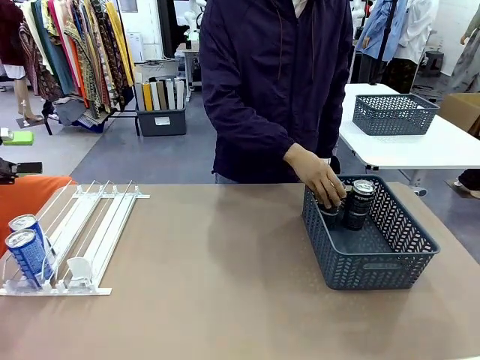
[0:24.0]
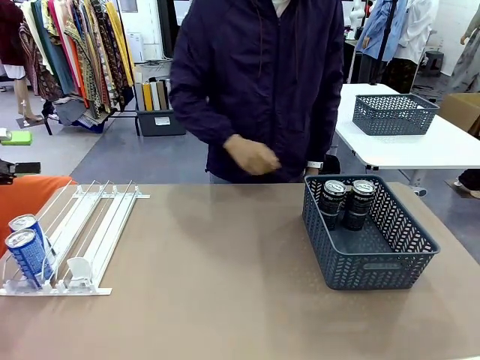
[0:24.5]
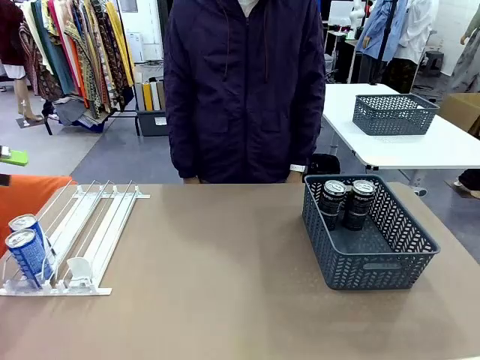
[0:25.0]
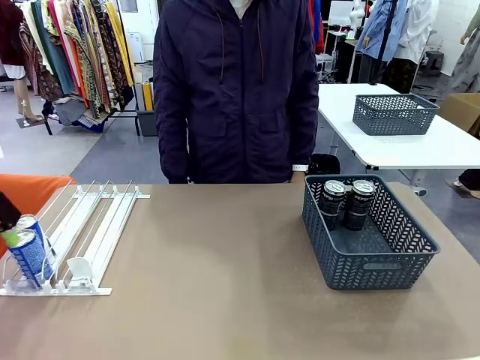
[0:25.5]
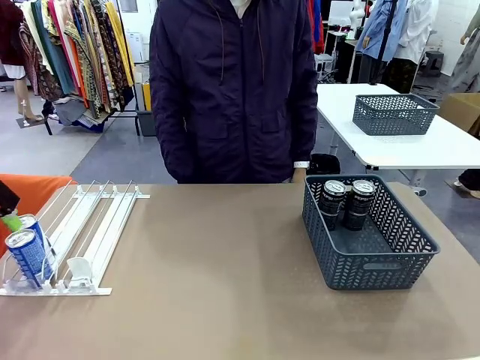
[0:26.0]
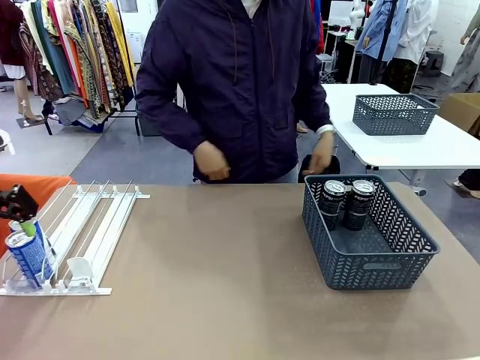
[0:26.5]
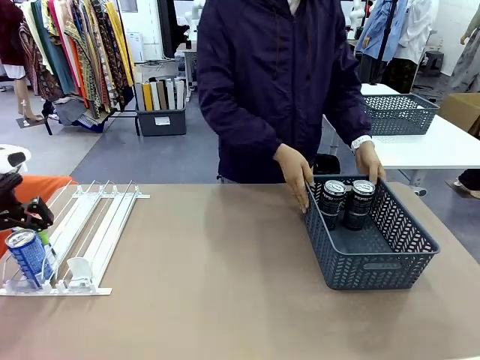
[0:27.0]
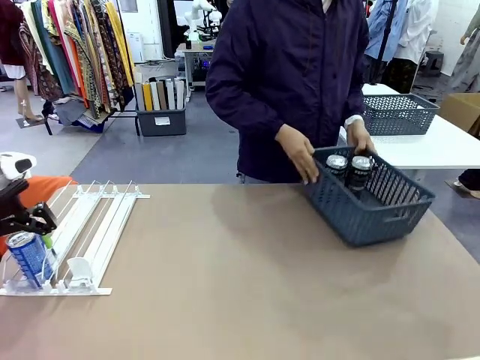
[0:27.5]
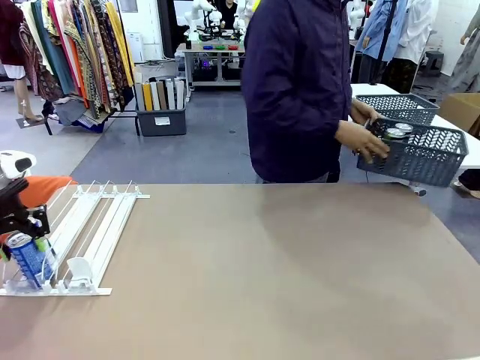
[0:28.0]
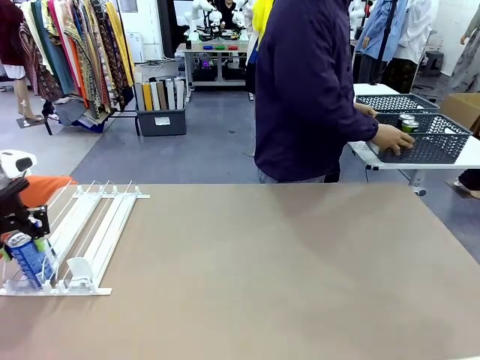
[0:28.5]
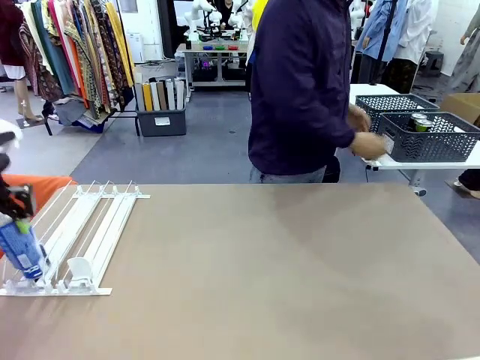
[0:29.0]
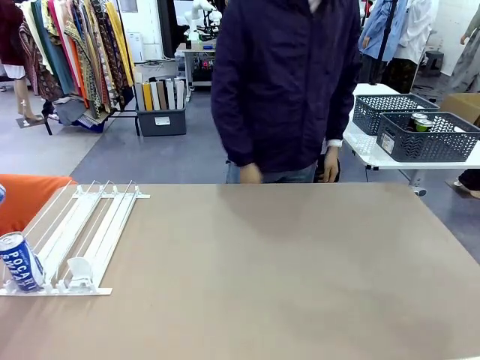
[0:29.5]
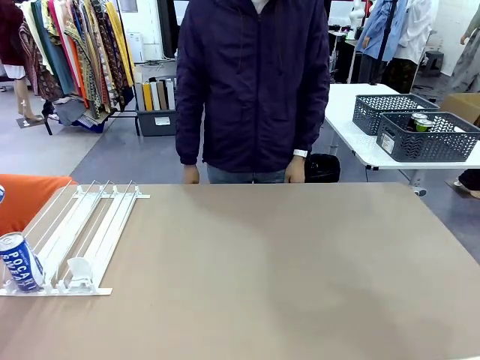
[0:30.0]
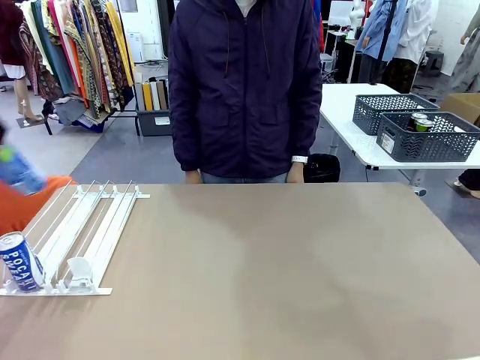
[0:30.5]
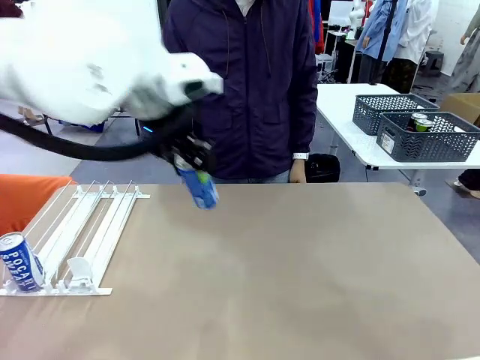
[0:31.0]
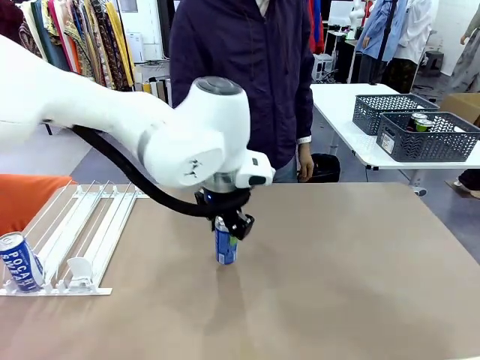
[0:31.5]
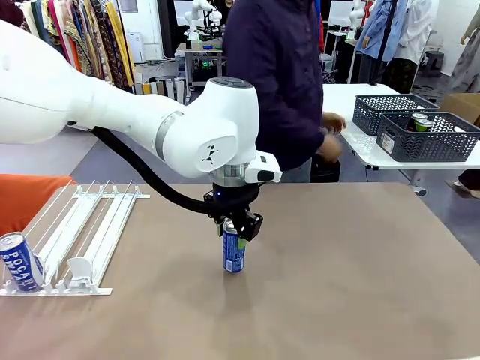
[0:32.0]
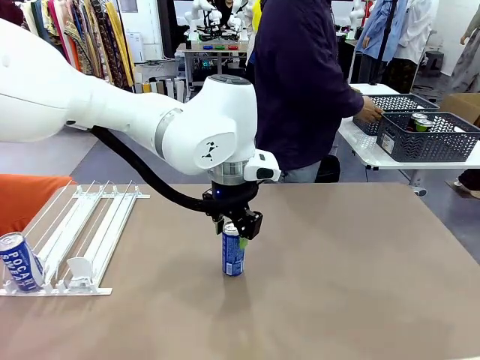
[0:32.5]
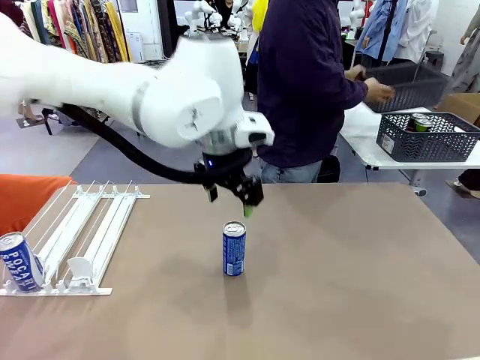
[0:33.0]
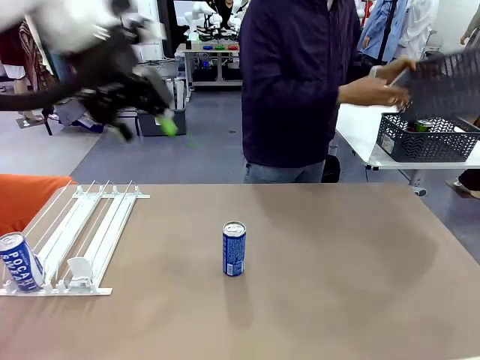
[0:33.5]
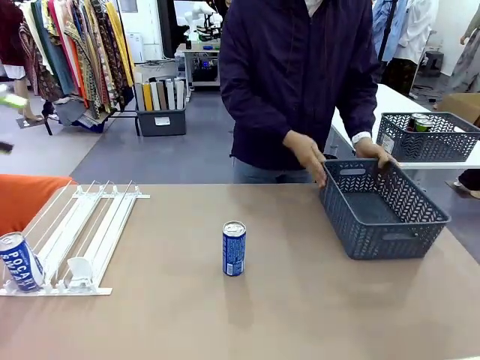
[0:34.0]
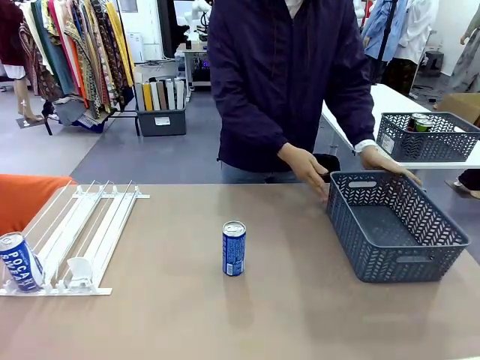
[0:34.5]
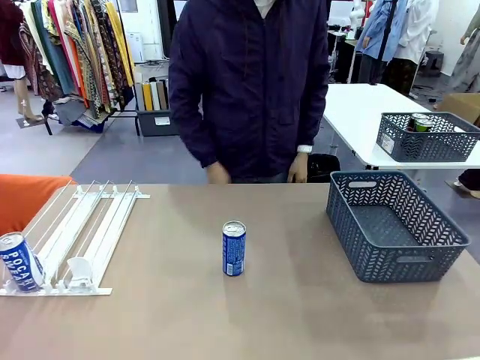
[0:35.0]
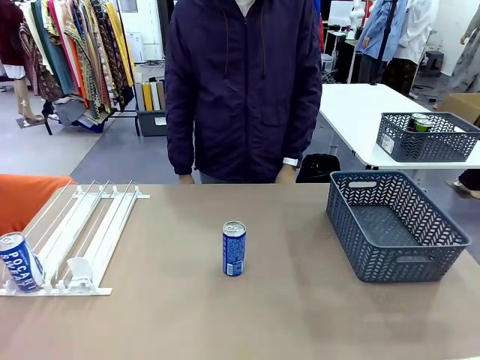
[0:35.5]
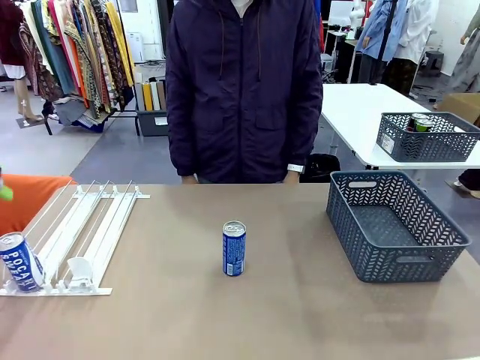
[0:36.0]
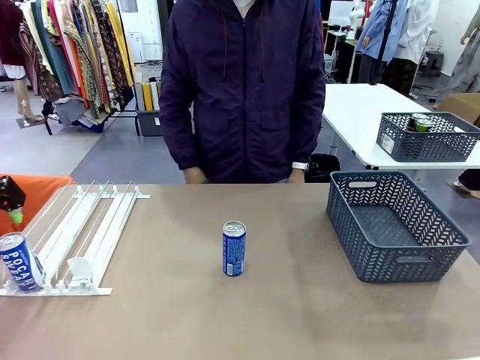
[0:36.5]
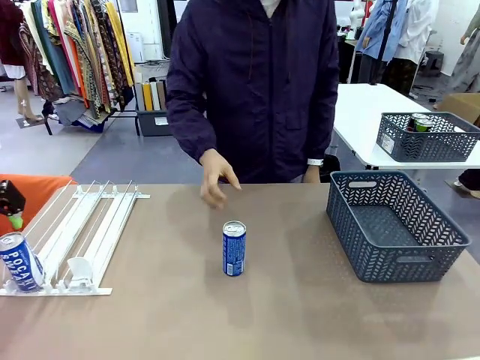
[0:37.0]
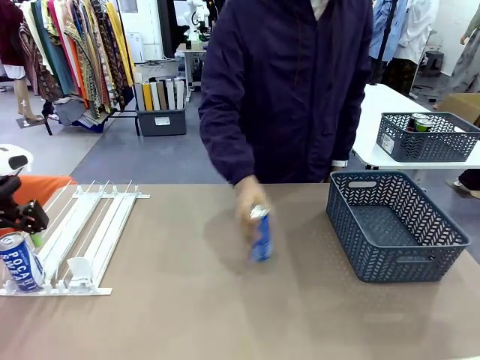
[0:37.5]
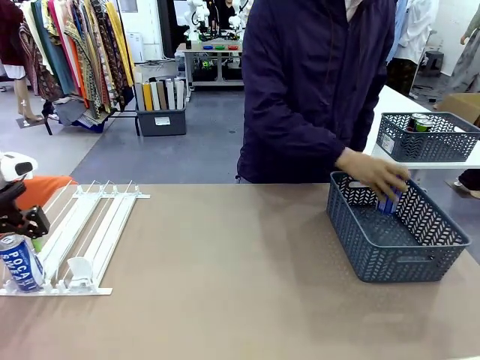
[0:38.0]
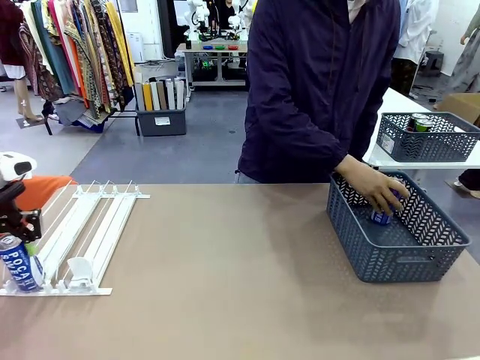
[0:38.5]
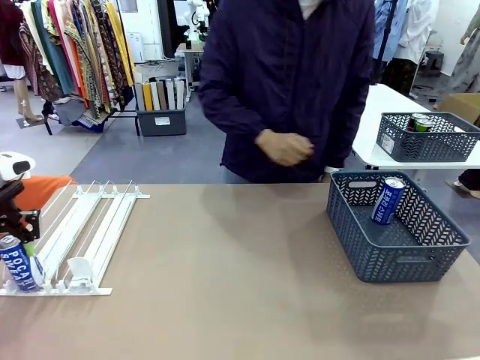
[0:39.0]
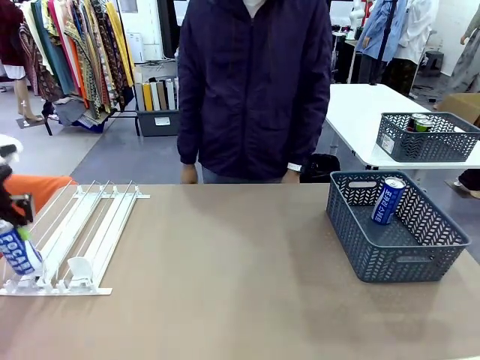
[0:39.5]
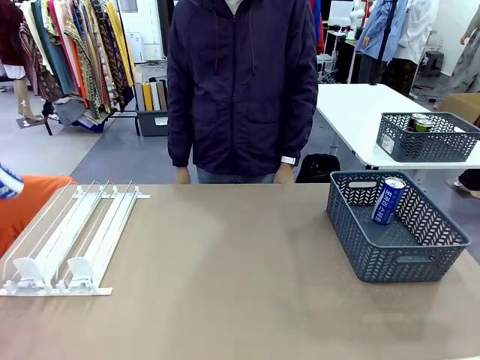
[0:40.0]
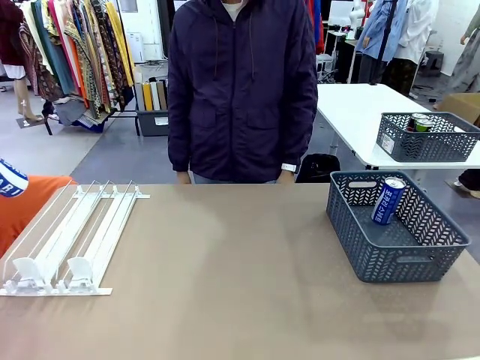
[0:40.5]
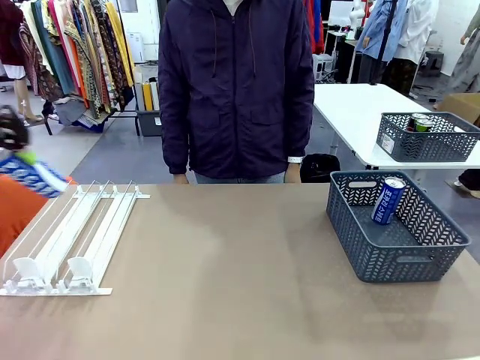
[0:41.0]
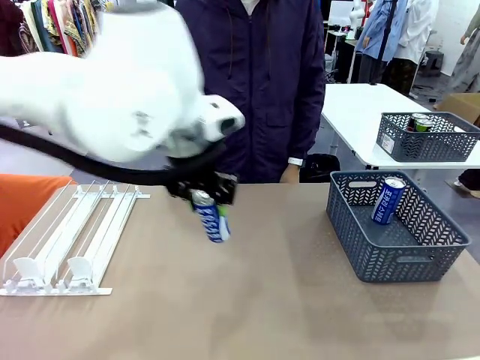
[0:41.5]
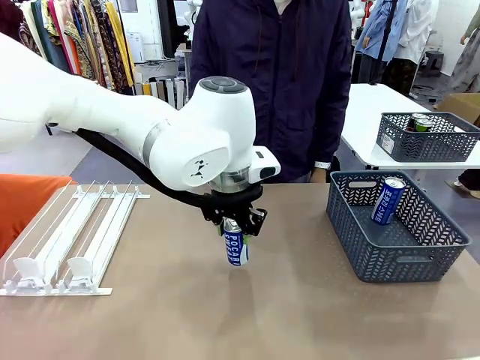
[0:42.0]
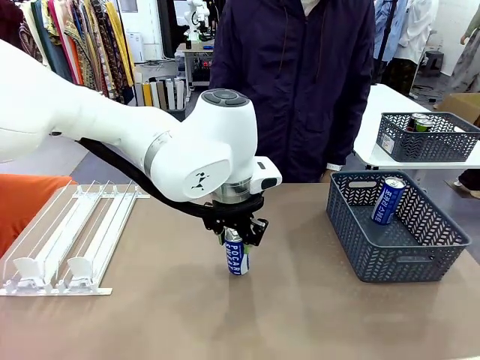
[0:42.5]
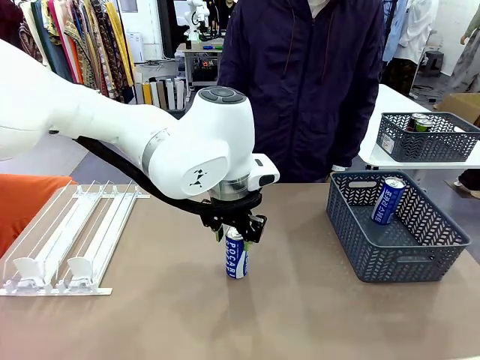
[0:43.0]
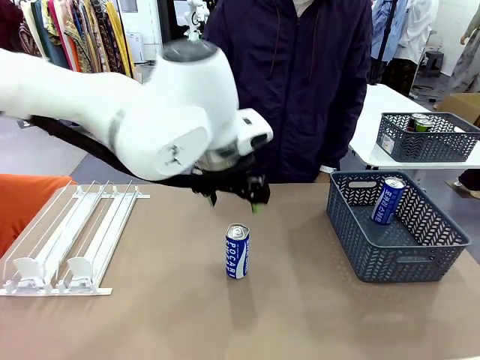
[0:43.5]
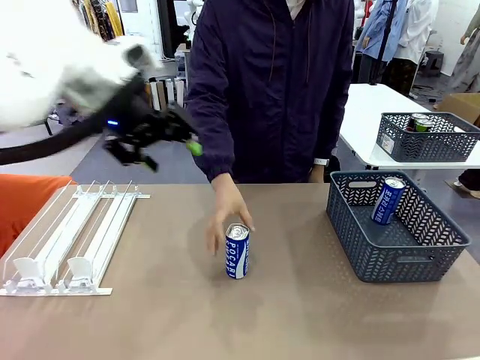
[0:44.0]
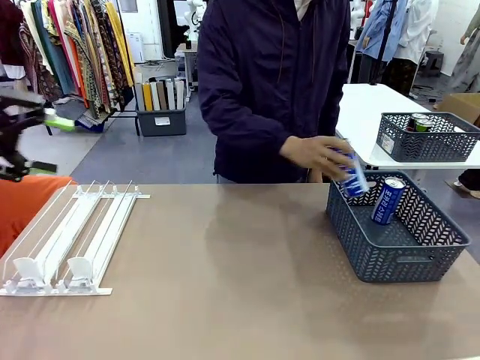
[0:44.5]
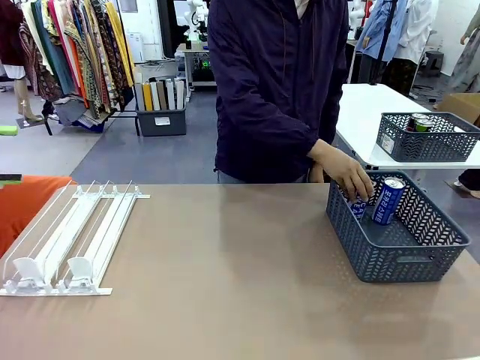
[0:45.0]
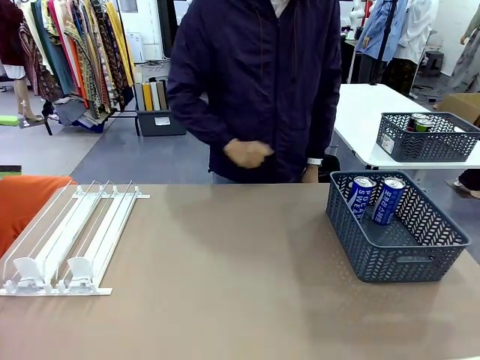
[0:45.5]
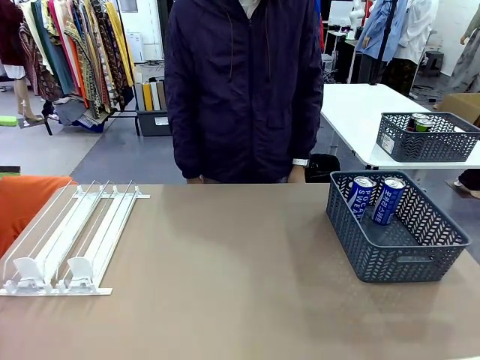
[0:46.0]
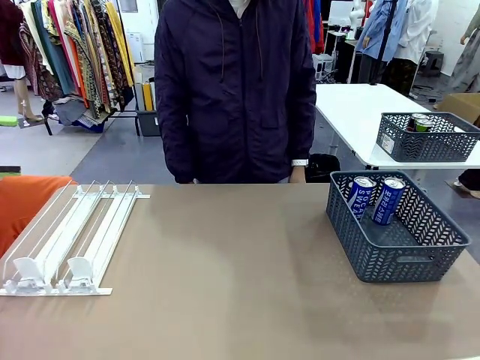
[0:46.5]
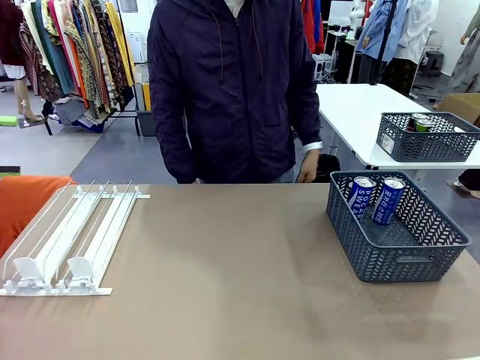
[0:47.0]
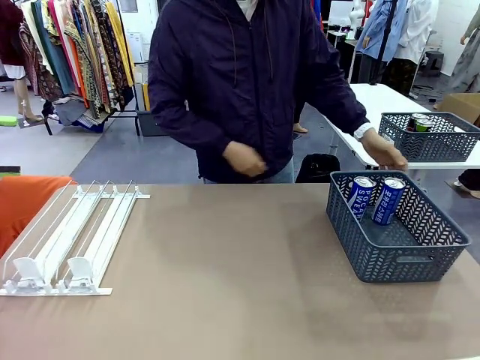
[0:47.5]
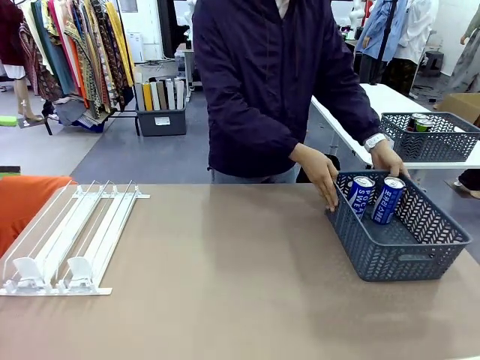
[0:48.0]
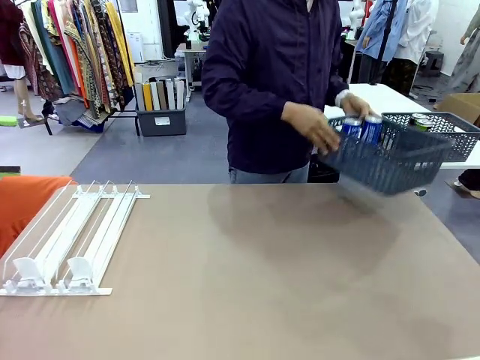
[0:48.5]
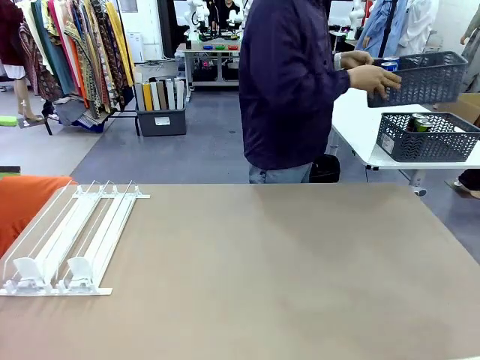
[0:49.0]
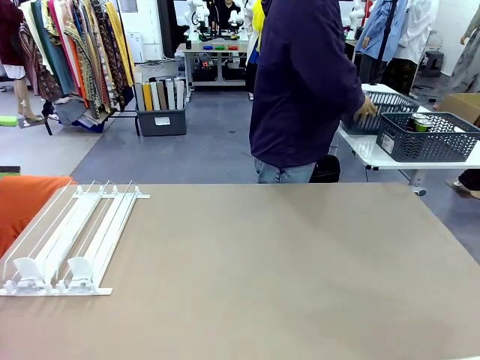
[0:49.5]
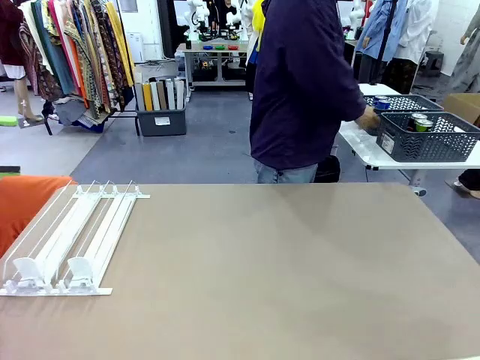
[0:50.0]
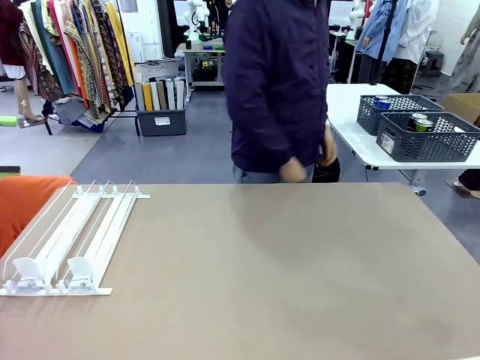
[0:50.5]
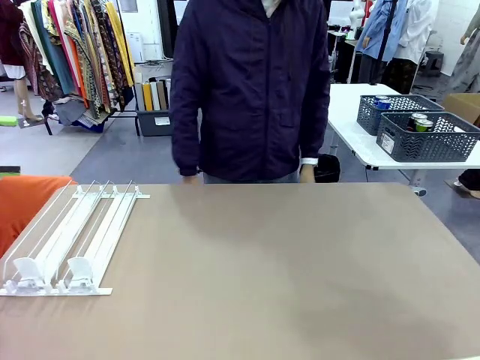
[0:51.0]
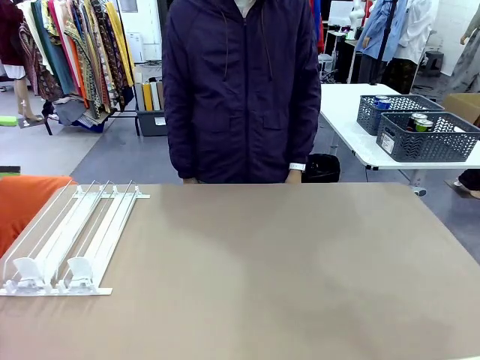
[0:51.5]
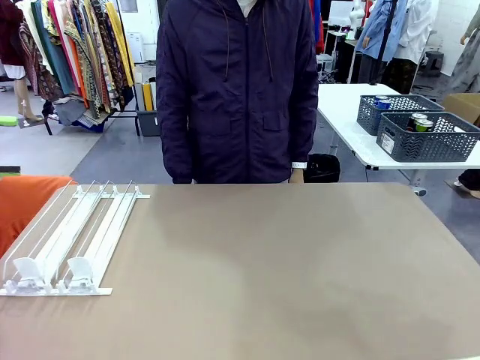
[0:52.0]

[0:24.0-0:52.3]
Task: Retrieve and store the cans from the dispenser.
Robot: Pick up one can from the Automatic Can Dispenser and place it in the middle of the table.
Person: Pick up the basket and place it in the middle of the human table. Pick up the empty basket and place it on the left side of the robot table. Pick up one sports drink can from the middle of the robot table and place it in the basket. Pick up the basket and place it in the middle of the human table.
